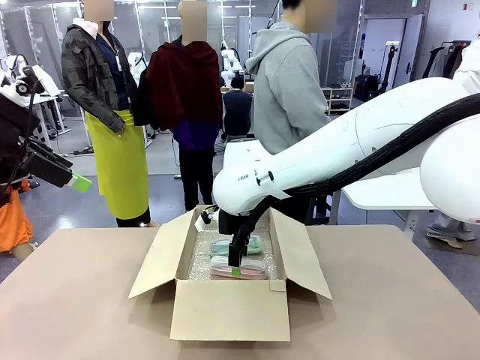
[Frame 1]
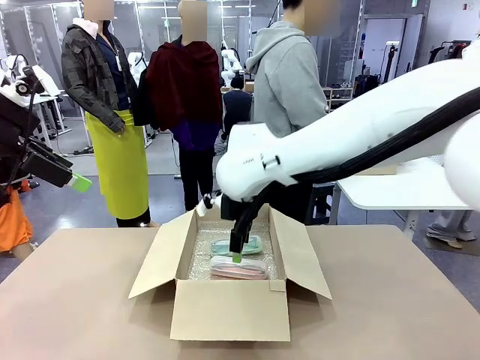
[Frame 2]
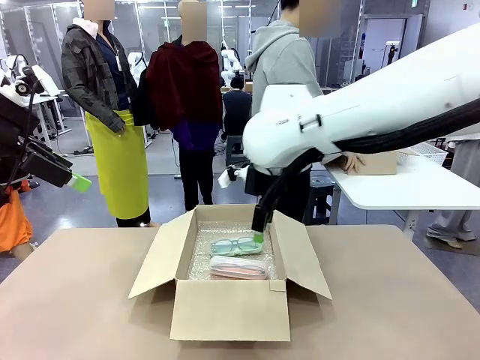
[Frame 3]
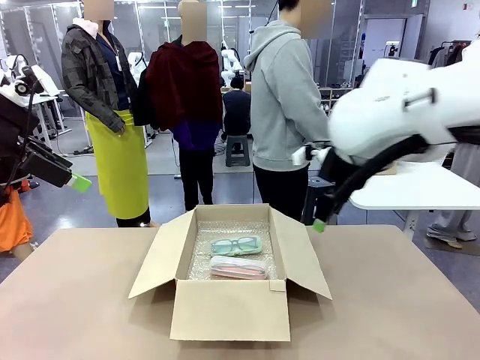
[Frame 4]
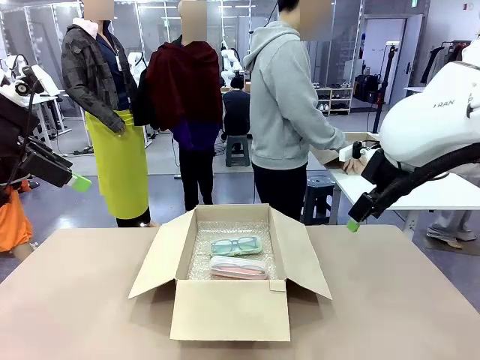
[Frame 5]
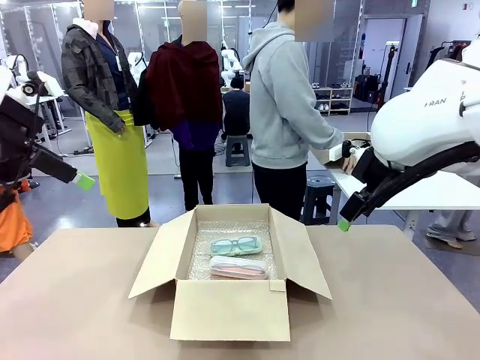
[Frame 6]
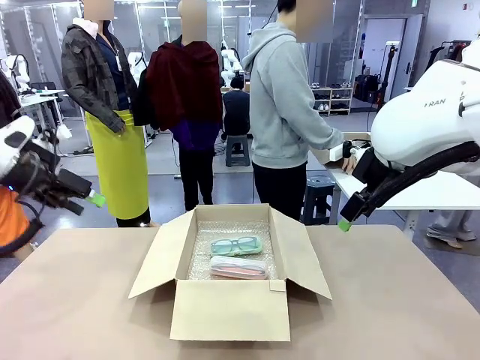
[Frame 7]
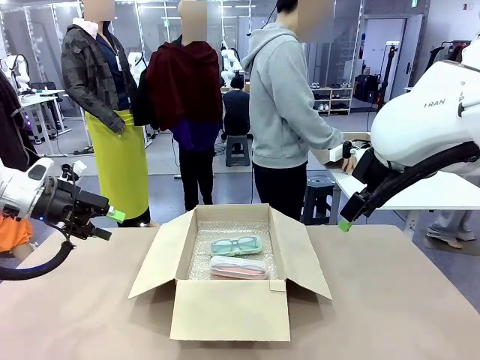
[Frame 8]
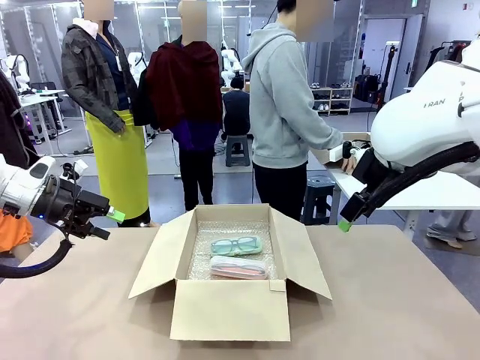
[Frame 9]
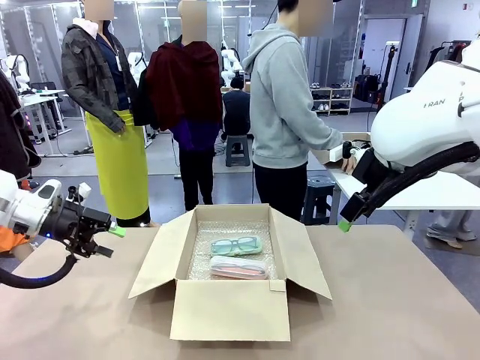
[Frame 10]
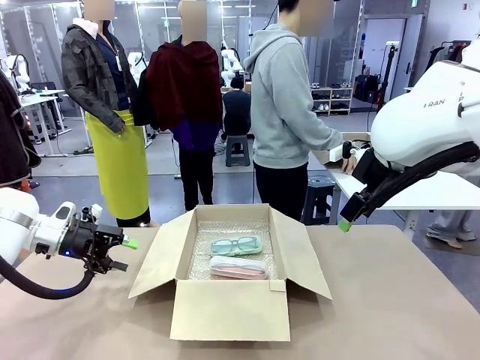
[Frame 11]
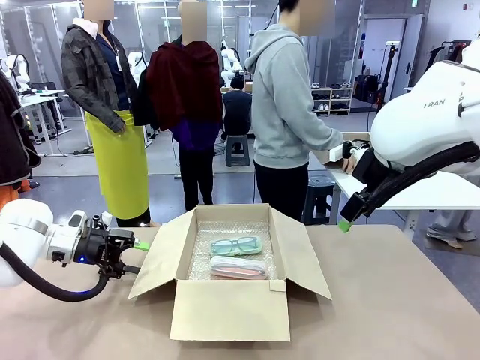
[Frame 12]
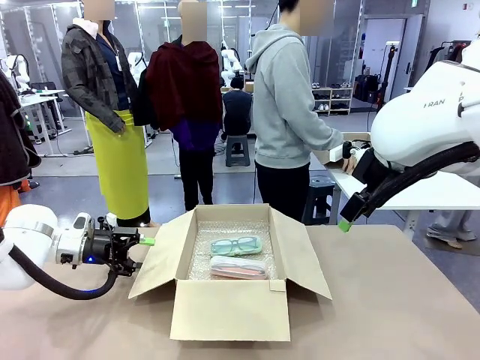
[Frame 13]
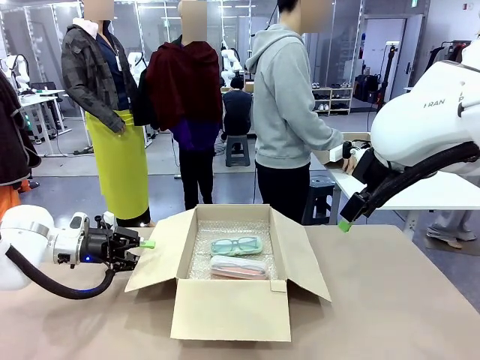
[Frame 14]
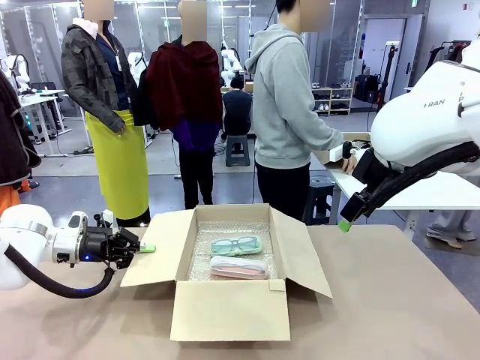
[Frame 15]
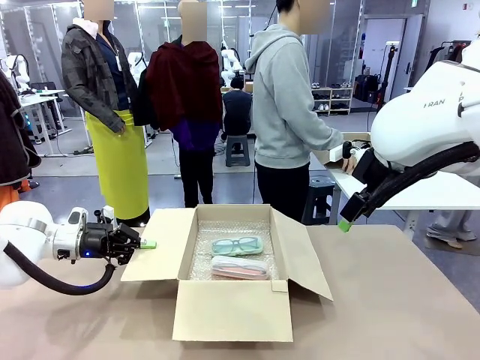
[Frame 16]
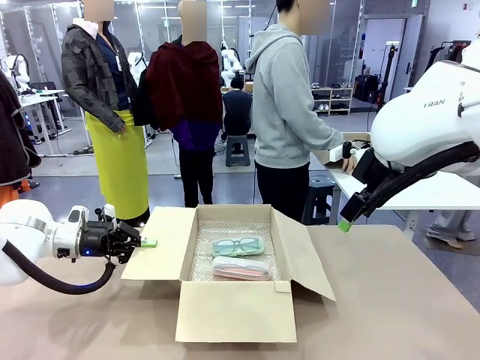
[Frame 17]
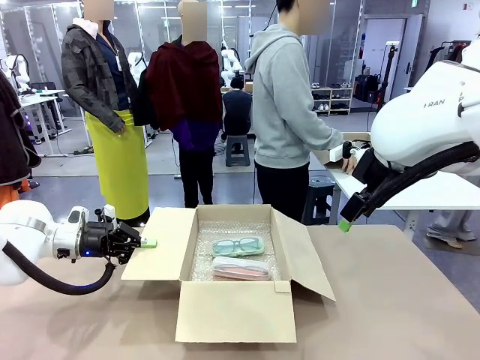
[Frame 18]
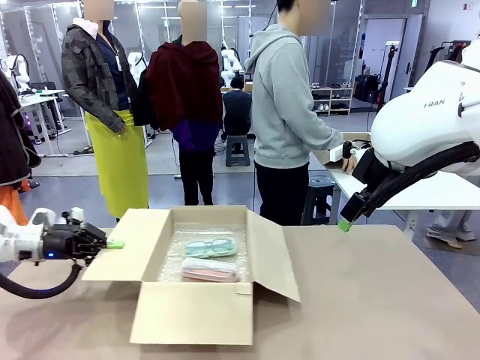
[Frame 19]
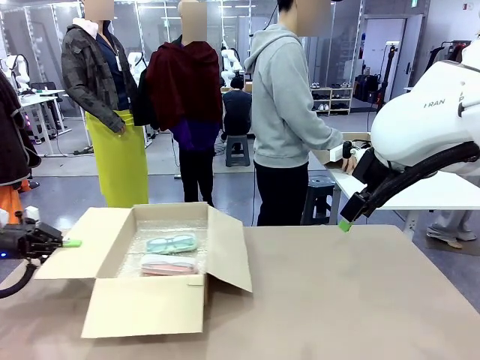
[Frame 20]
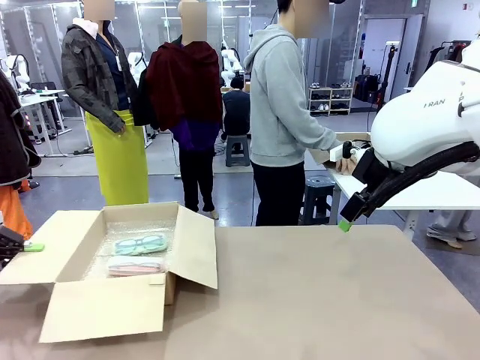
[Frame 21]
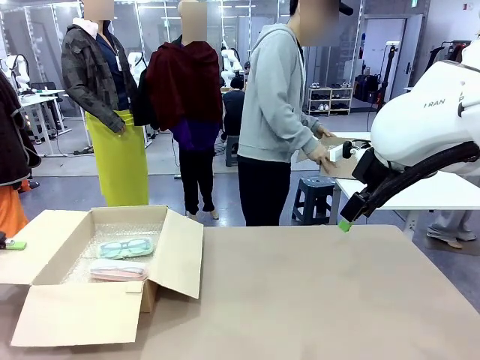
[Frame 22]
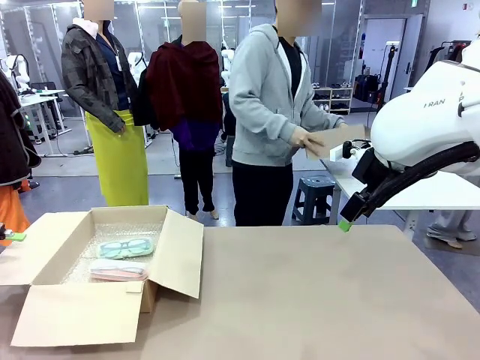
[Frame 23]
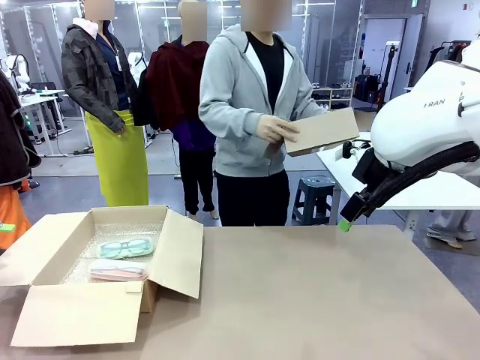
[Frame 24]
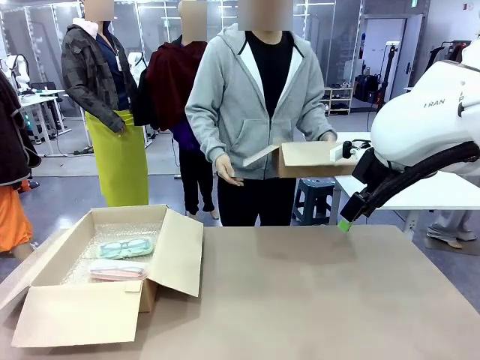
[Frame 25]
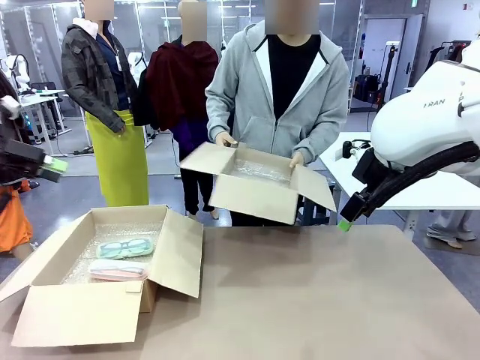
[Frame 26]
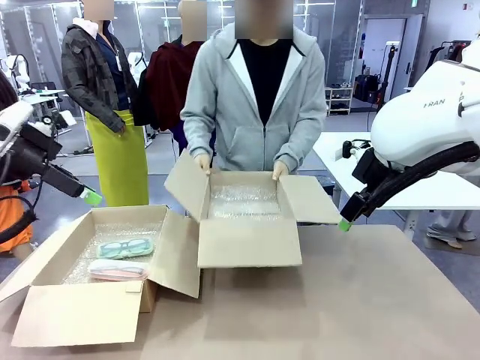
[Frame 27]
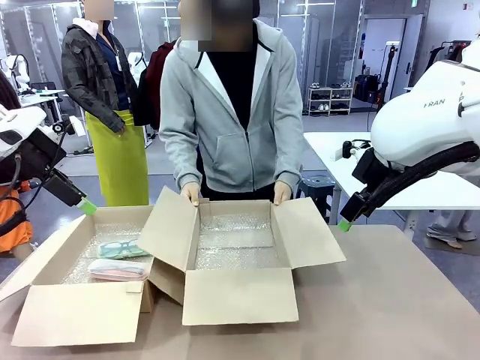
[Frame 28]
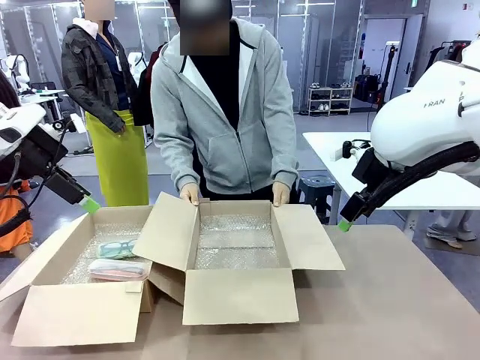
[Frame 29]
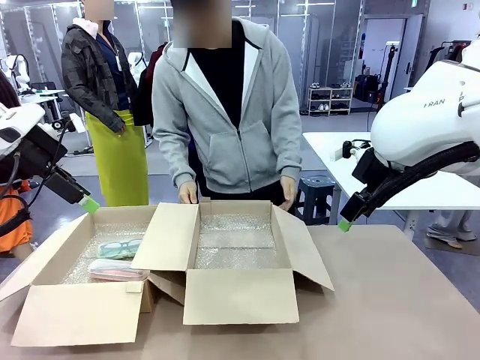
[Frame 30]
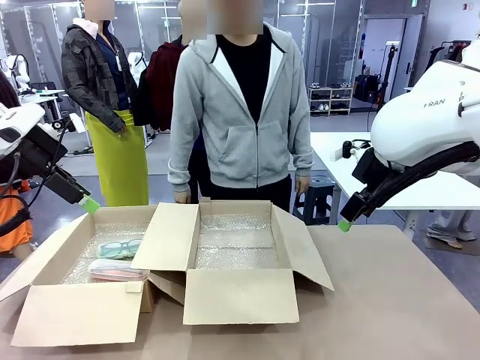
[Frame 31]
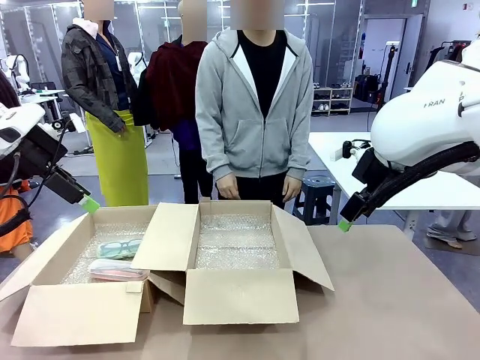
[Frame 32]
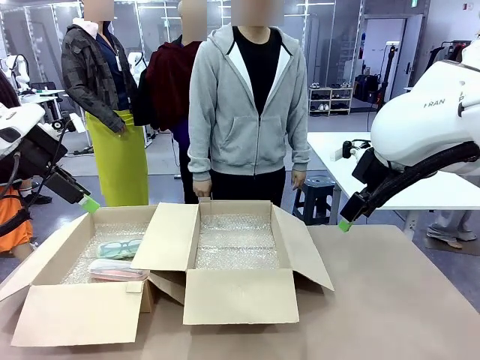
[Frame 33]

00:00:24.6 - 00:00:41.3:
Task: Pack the glasses set securely to prepare it for shipping.
Robot: Position the Package Box on the left side of the table.
Person: Position the empty Package Box in the middle of the robot's table.

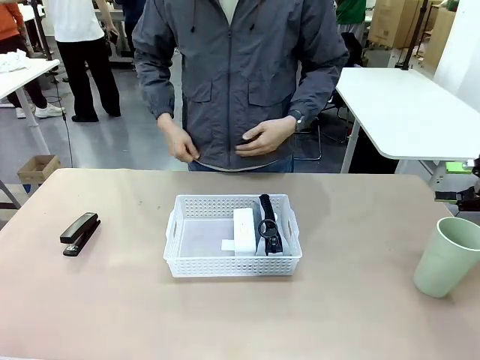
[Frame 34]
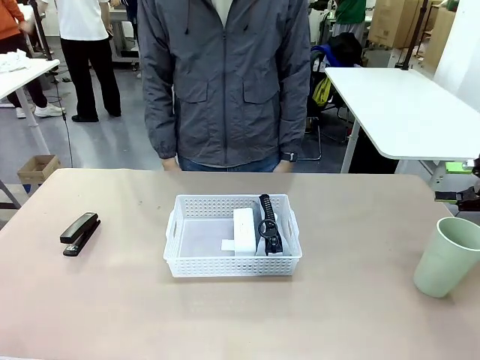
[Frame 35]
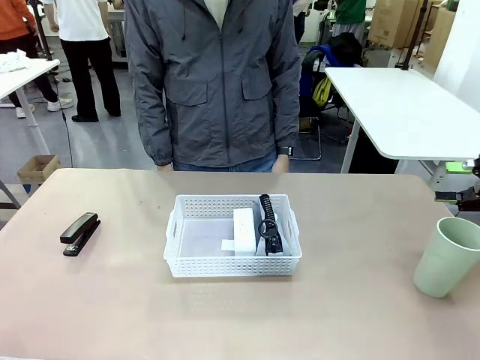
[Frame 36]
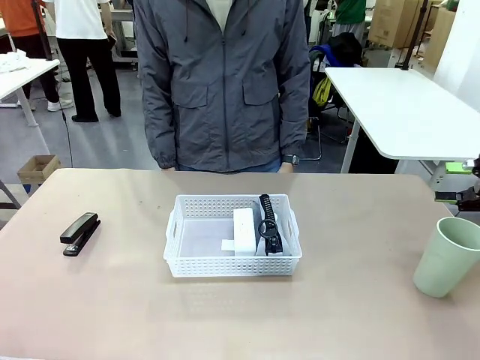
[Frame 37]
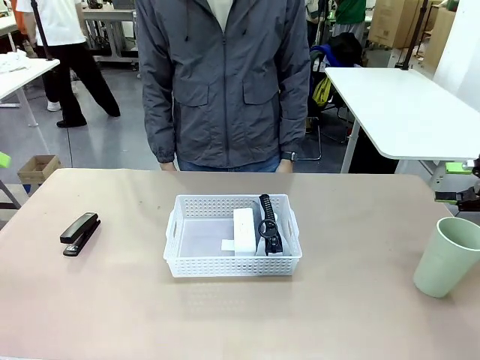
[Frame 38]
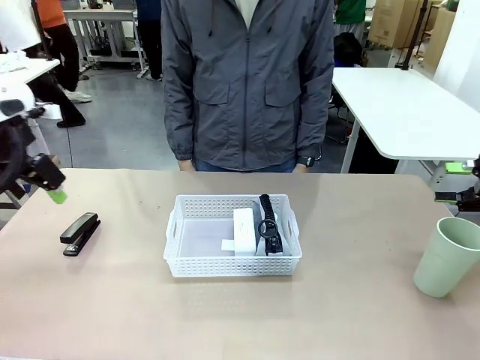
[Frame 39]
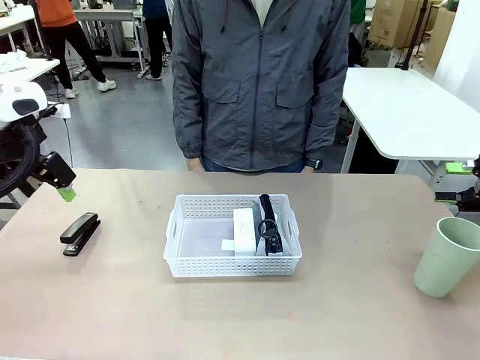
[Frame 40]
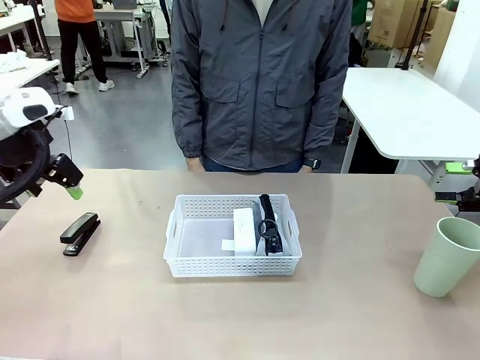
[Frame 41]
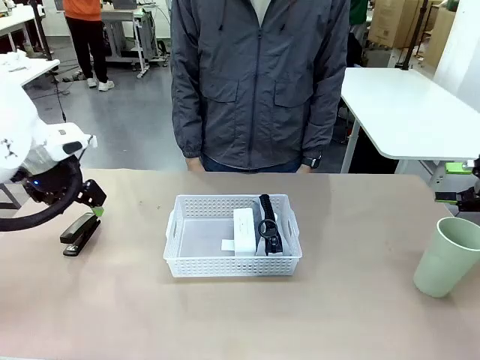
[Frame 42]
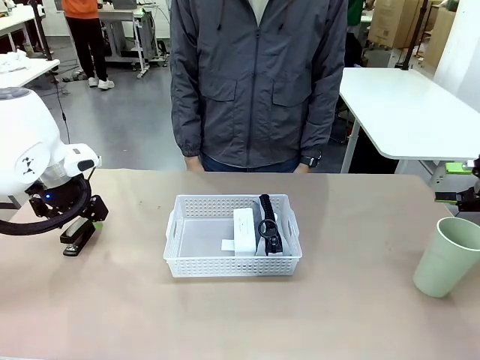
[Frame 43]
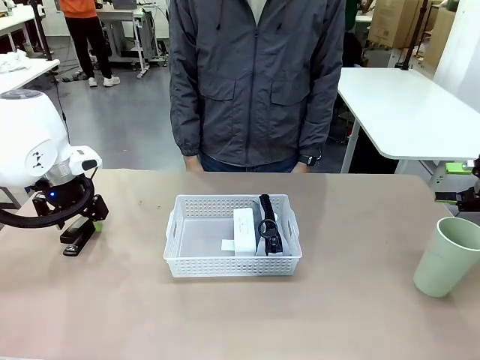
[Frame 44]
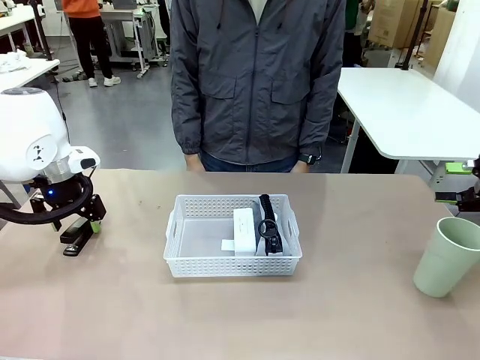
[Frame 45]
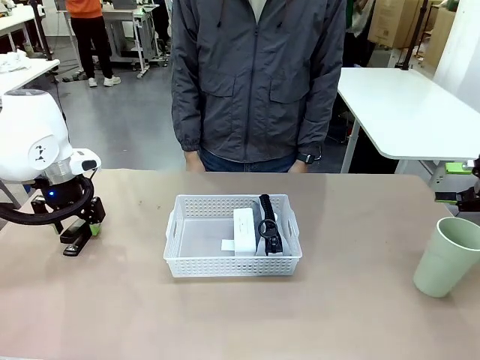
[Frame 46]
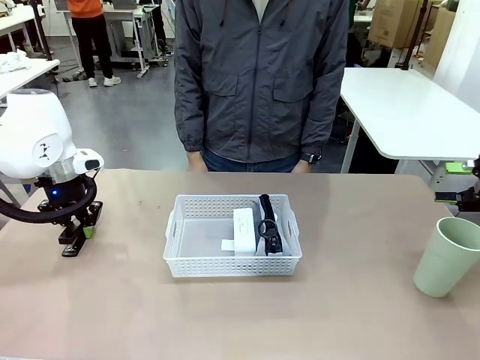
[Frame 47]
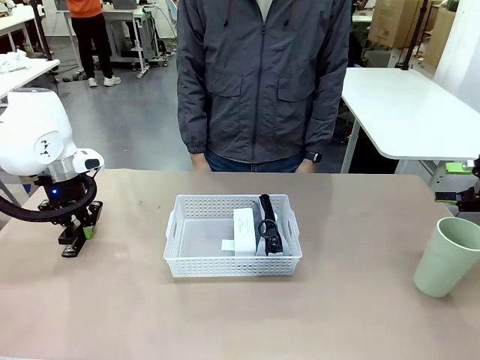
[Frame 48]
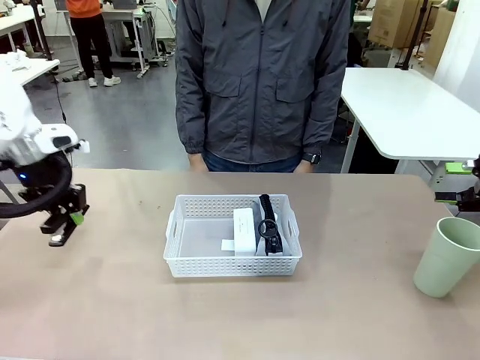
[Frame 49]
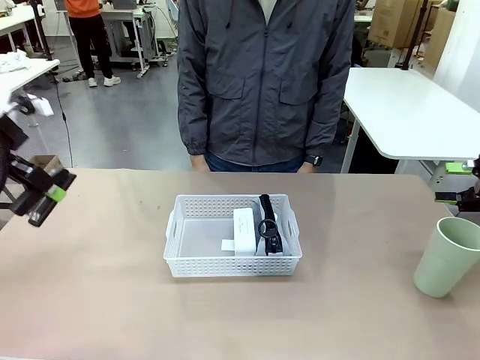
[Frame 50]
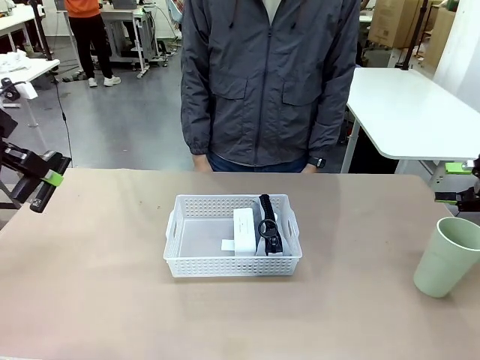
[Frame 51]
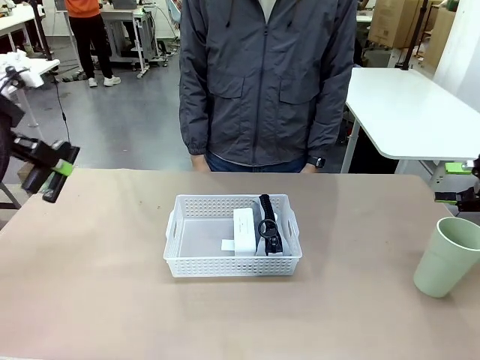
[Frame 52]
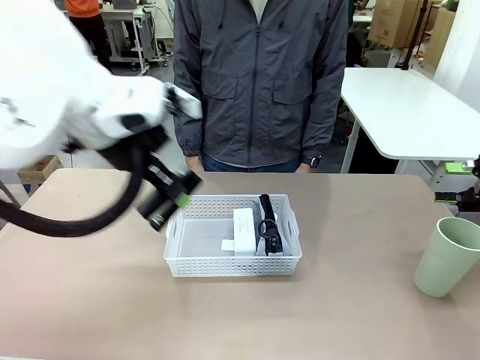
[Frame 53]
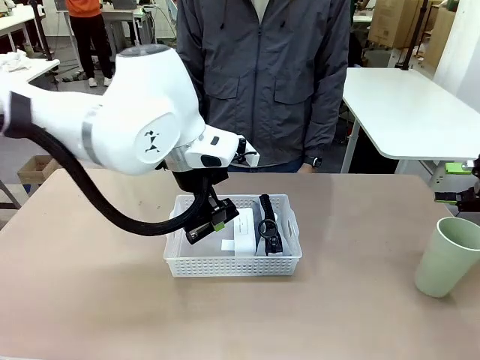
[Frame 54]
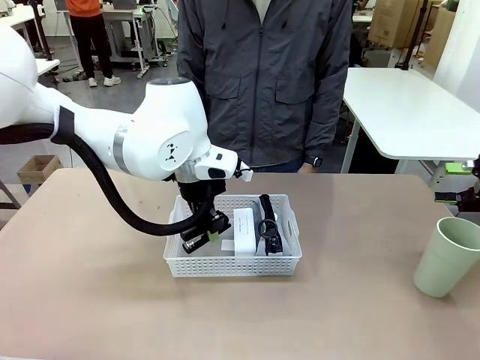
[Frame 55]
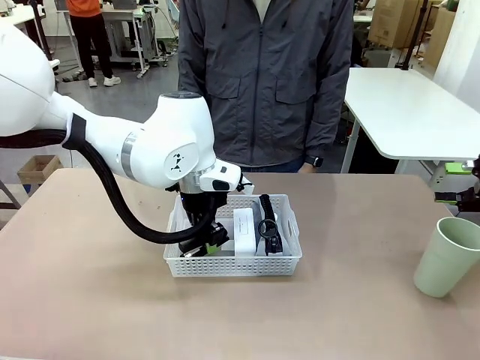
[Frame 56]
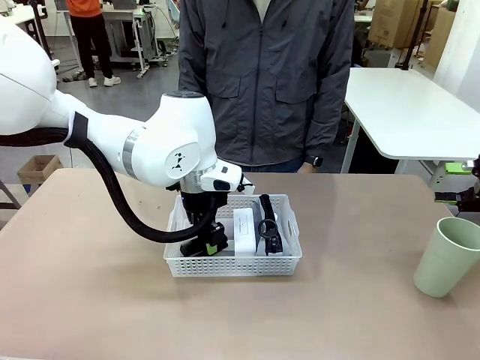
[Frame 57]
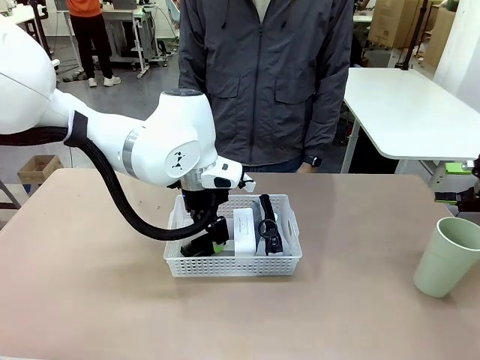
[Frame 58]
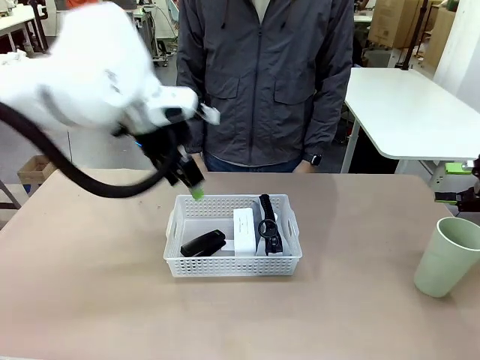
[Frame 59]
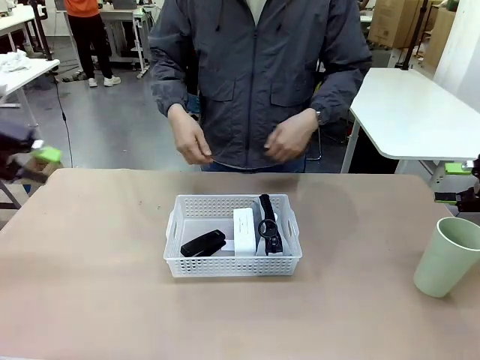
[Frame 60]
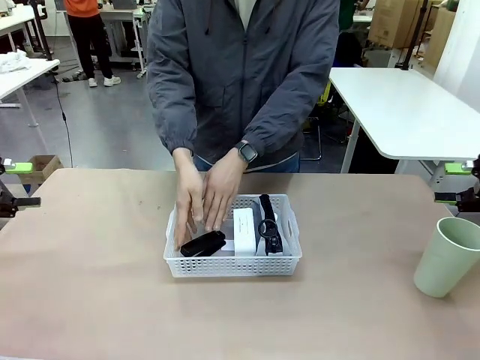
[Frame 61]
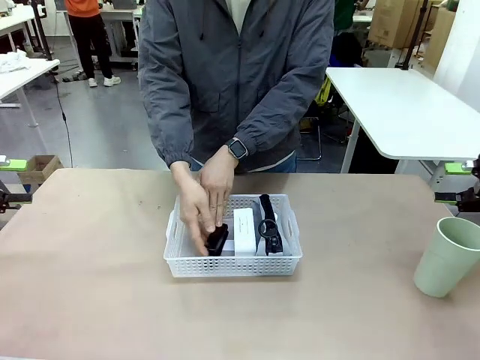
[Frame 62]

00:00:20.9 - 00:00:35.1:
Task: Efficiently arrange items inside the basket to fit them all.
Robot: Pick up the Stapler and place it inside the Organizing basket.
